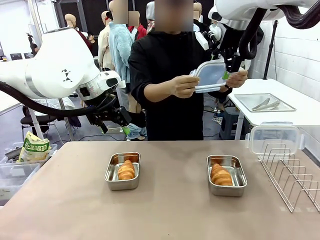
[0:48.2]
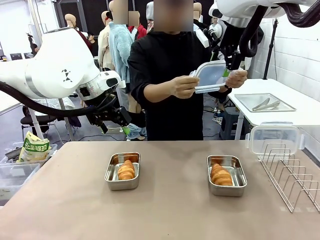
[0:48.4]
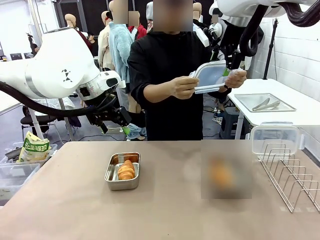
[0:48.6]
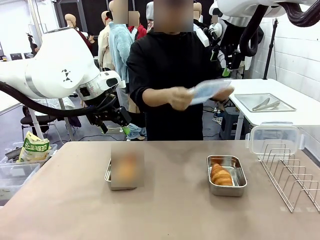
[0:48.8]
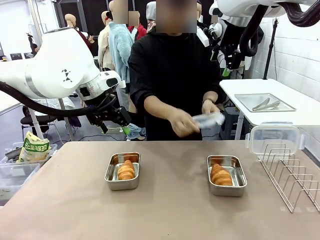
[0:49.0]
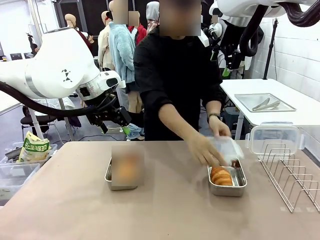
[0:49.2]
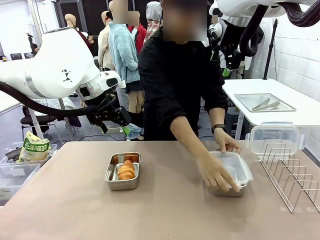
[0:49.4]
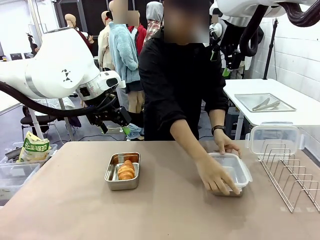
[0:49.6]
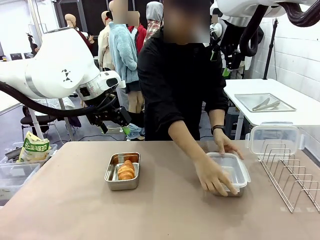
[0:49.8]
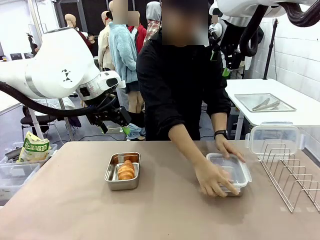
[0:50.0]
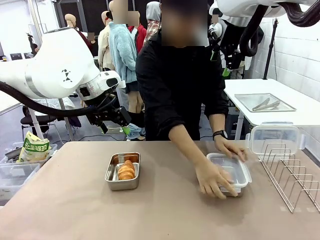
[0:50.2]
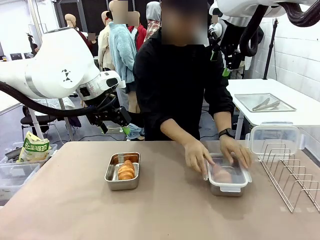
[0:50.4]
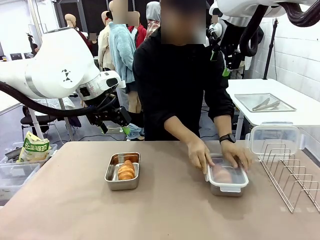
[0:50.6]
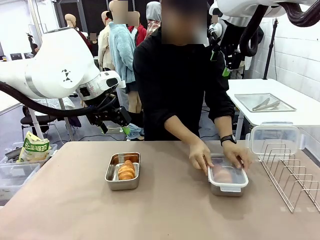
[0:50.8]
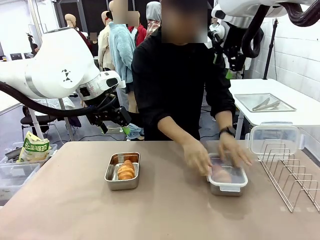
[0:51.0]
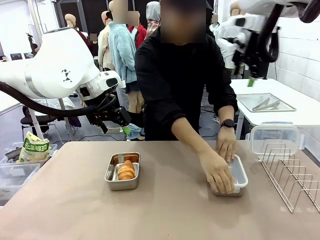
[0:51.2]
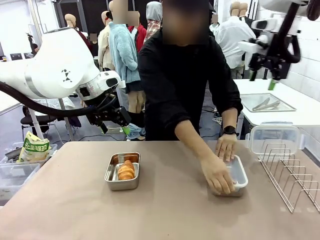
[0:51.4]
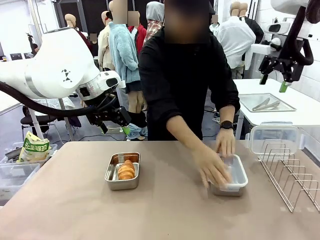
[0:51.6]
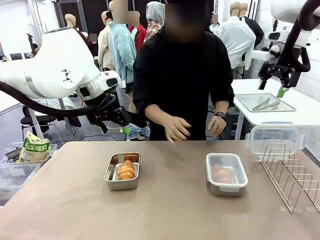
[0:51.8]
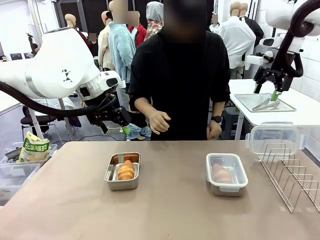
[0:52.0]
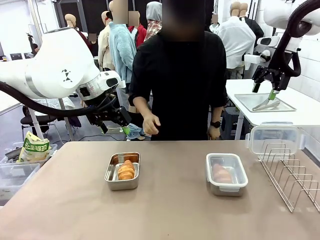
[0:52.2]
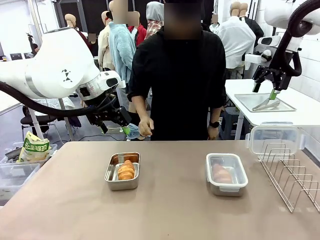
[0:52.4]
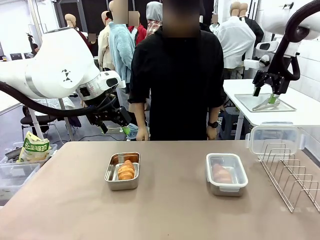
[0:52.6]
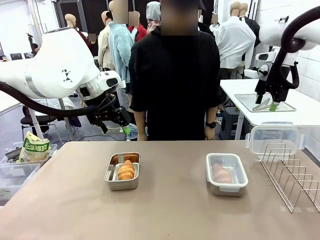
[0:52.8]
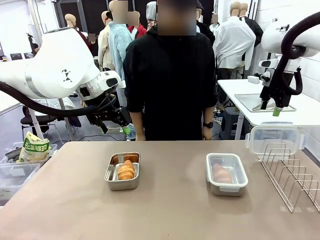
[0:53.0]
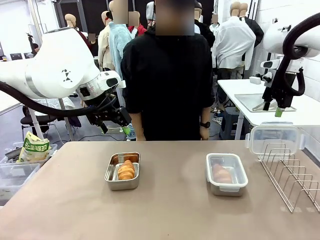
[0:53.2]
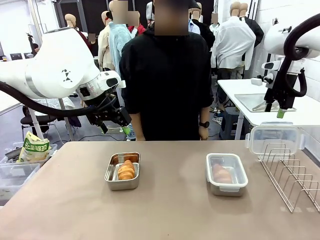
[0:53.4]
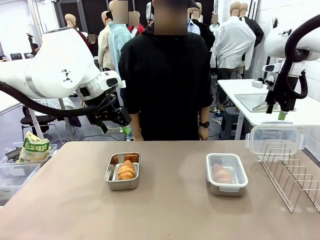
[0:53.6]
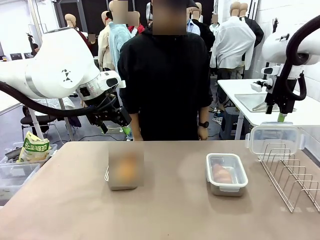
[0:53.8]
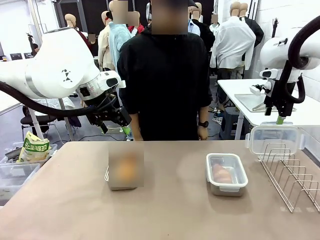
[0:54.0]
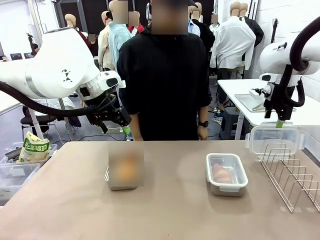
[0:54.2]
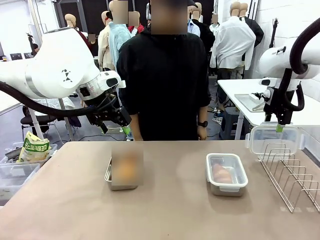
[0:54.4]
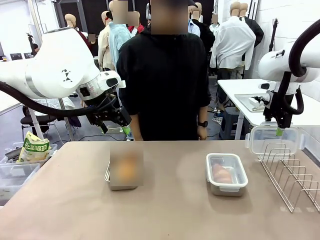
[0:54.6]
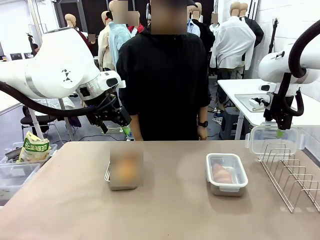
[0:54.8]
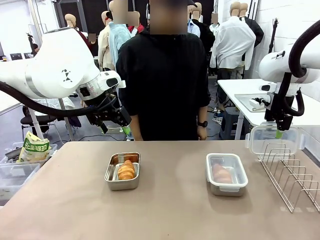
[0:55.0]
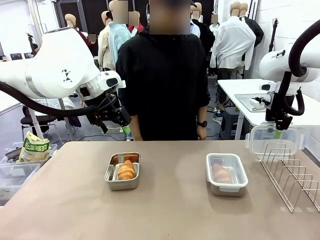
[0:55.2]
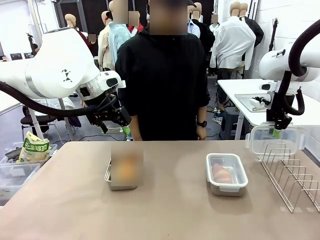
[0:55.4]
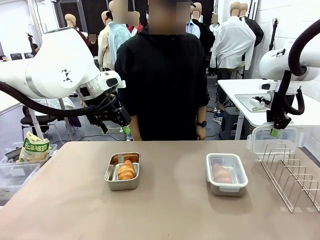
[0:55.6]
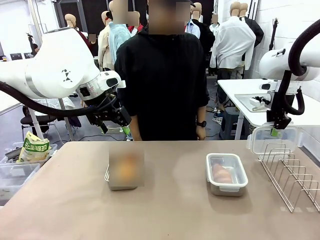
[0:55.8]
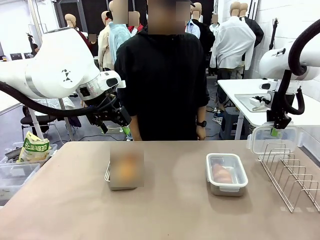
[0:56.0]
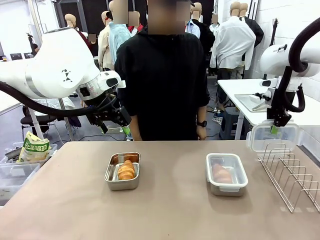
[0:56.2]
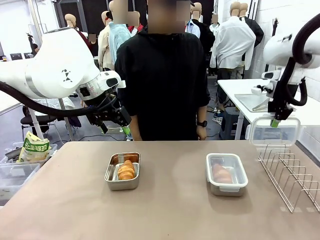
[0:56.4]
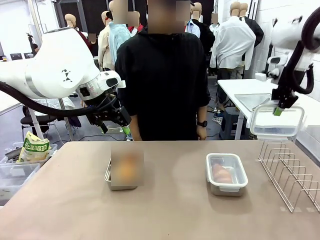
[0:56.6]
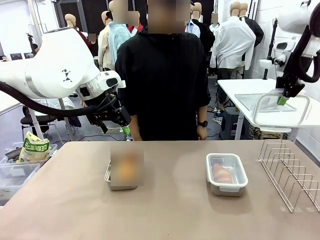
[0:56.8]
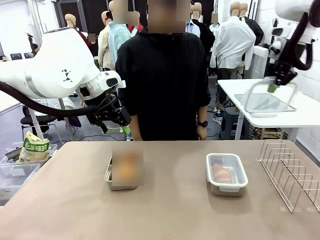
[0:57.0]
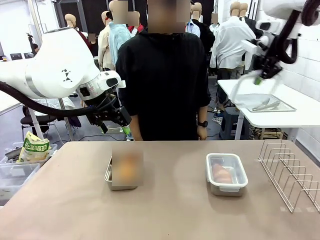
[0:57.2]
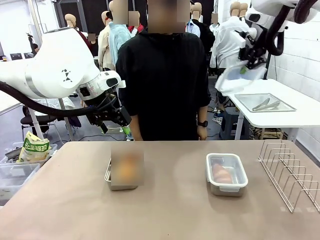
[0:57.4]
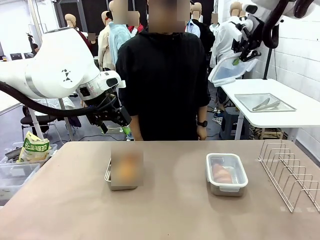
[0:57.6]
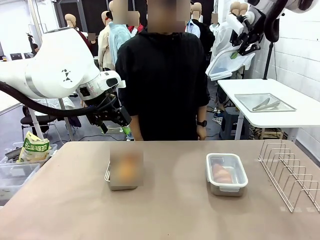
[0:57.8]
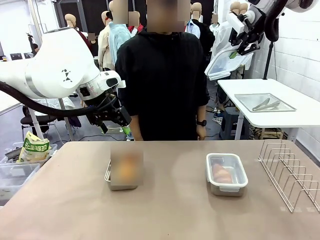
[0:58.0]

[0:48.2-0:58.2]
Task: Place the bread in airtight containers.
Robot: Pick up one Airtight Container lid and hand it to the human.
Person: Close Airtight Container with a handed Airtight Container lid. Grip Airtight Container lid that robot is handing.

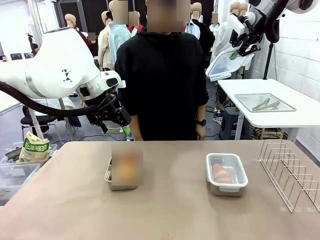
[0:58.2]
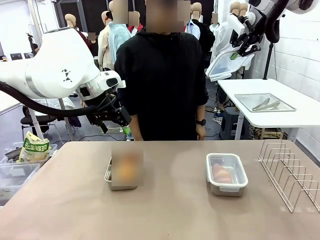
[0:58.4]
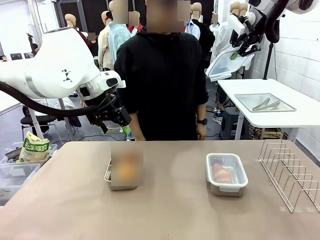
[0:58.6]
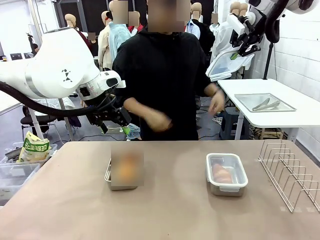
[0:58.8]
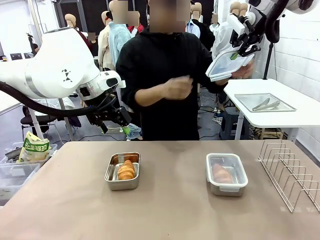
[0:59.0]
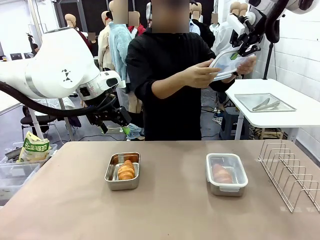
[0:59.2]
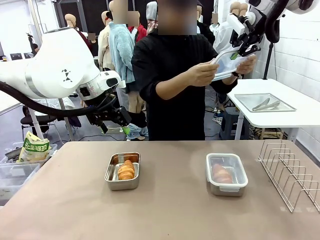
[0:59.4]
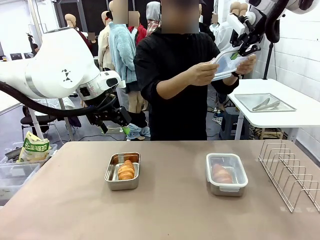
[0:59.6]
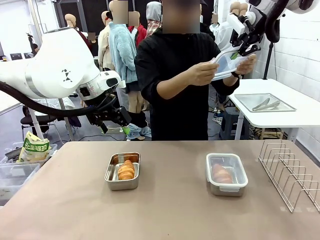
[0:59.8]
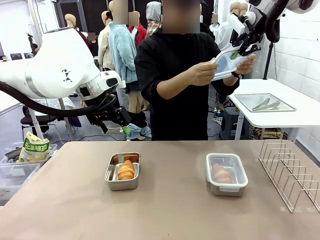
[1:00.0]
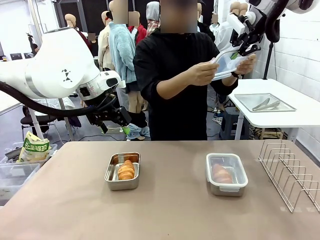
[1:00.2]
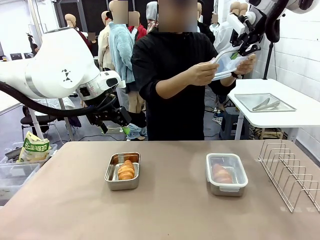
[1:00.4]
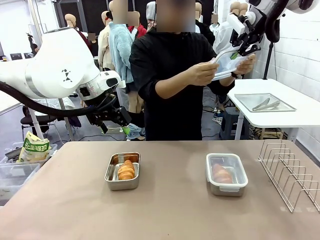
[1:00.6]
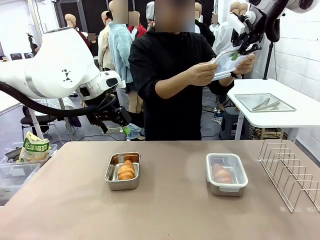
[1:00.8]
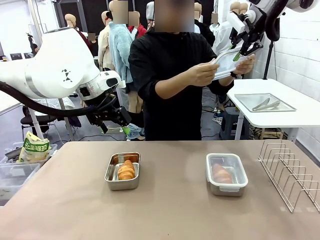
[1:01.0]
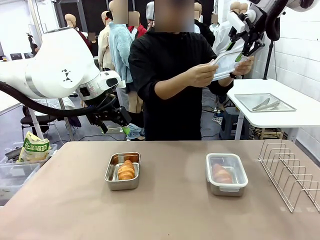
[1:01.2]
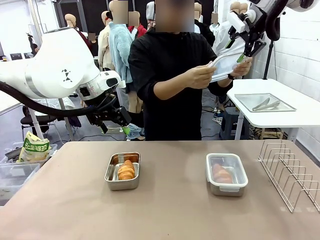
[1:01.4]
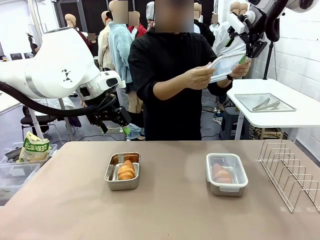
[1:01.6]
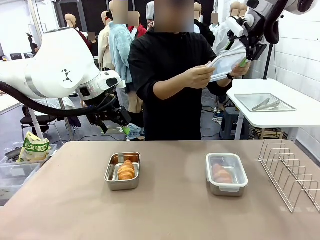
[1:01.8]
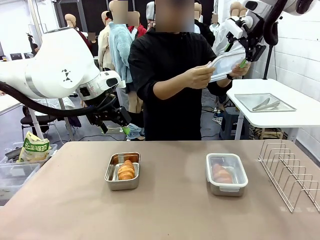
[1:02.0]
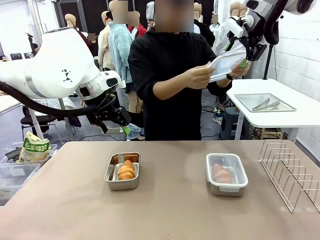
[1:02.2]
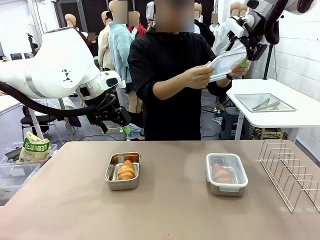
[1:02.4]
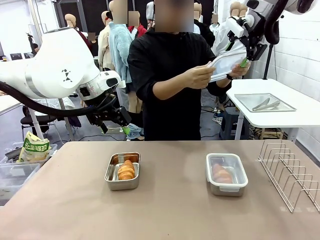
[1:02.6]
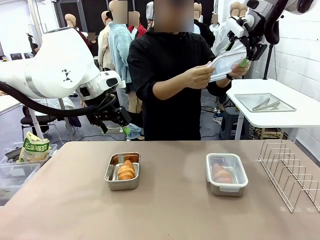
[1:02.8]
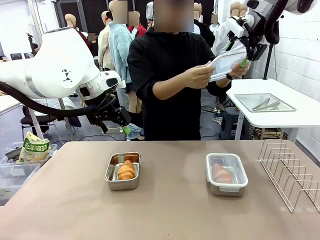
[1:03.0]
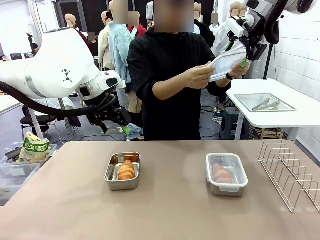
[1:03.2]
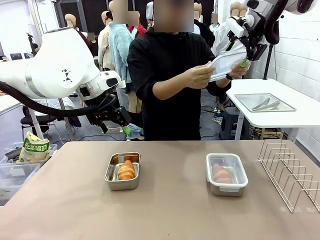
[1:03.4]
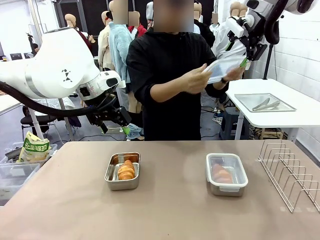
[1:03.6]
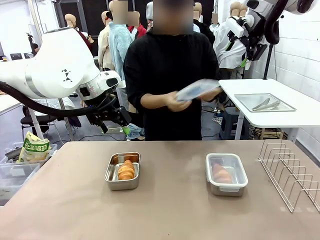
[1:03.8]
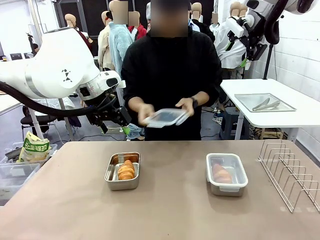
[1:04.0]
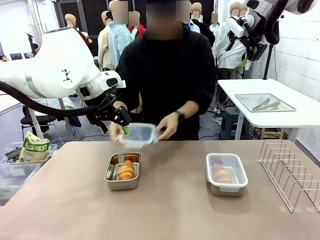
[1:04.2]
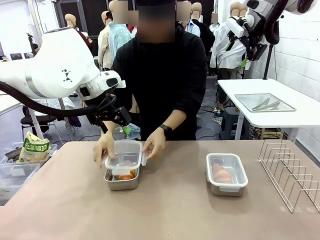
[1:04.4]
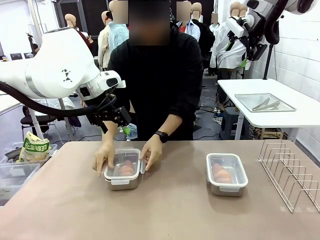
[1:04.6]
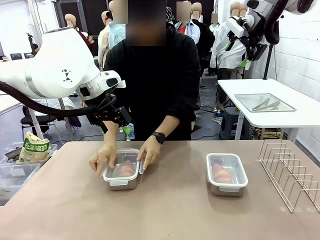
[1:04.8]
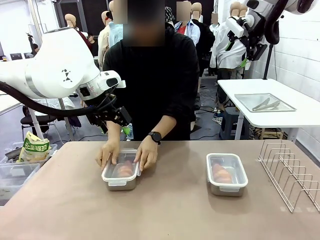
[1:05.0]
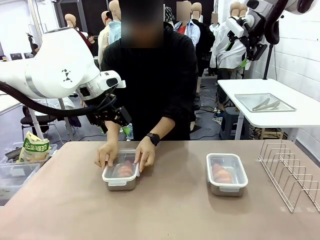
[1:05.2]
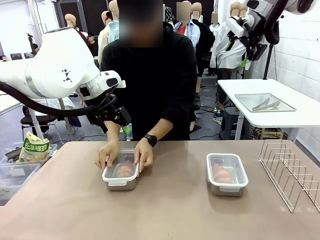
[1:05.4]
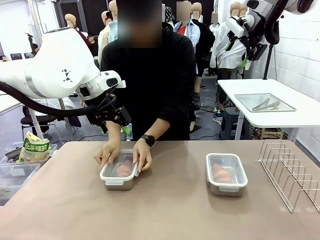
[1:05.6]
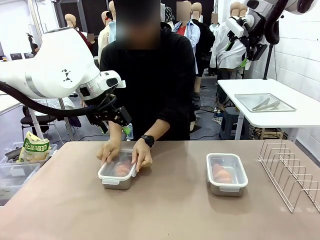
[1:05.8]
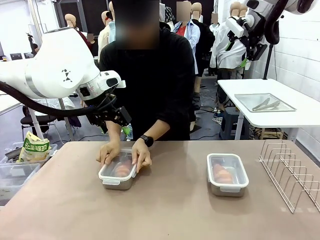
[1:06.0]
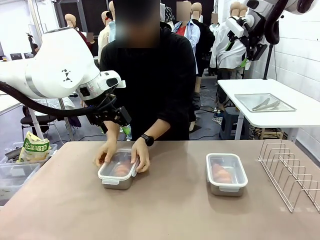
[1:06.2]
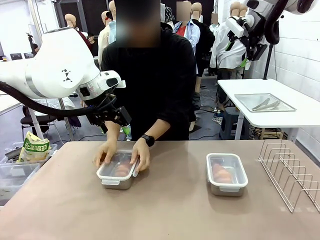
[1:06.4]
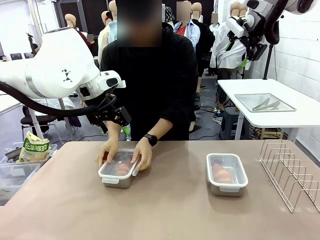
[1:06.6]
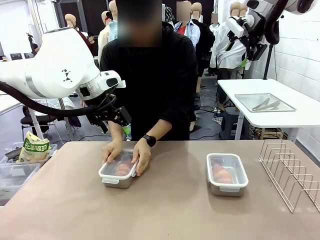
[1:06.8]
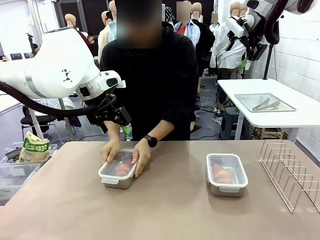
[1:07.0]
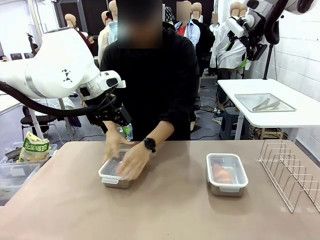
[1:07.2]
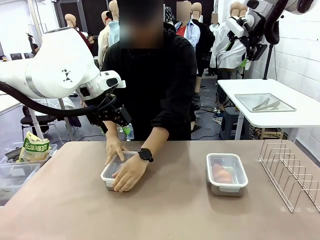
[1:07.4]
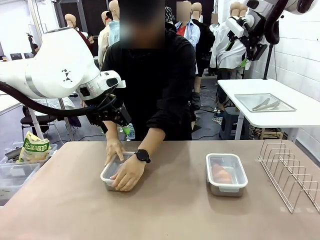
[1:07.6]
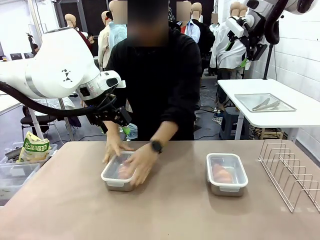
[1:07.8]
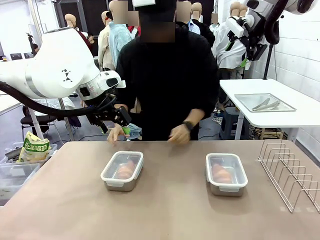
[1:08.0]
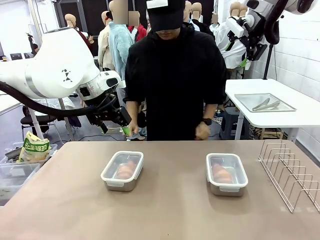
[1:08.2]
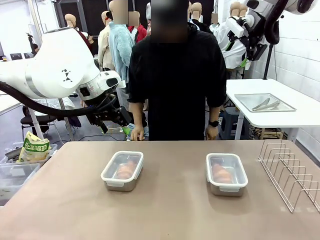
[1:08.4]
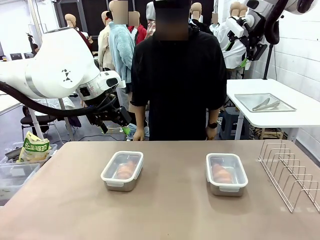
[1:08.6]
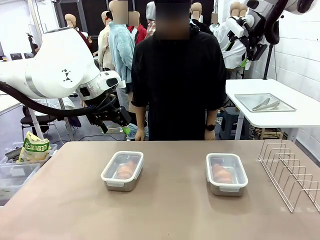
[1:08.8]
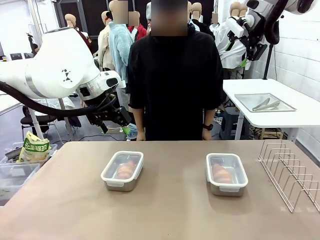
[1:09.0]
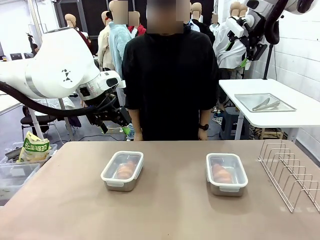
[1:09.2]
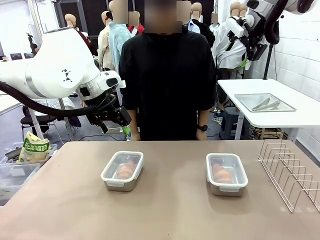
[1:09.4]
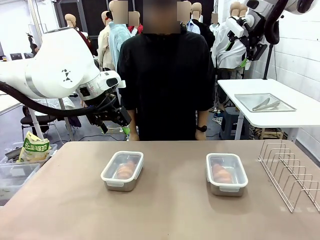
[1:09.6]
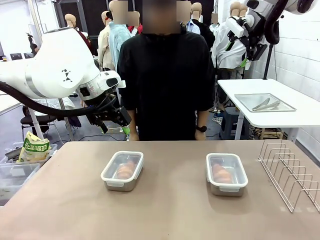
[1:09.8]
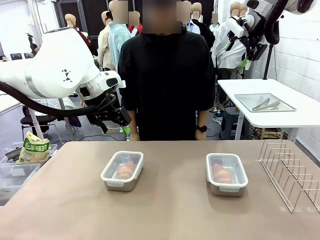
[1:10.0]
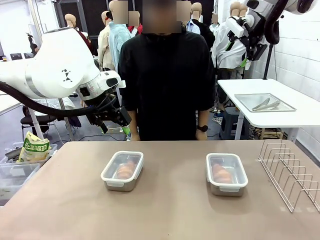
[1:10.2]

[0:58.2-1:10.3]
Robot: Release when the human grabs the Airtight Container lid.
Person: Close Airtight Container with a handed Airtight Container lid.
